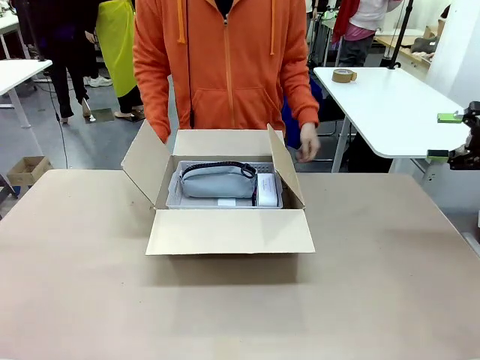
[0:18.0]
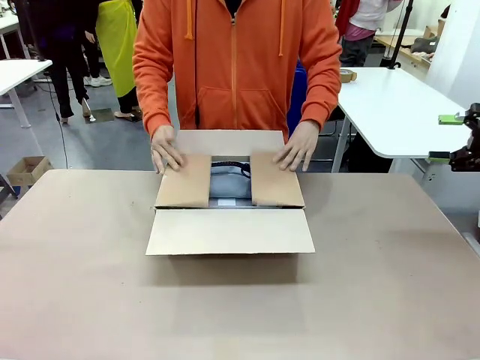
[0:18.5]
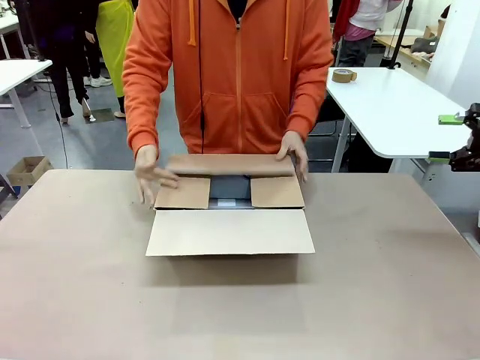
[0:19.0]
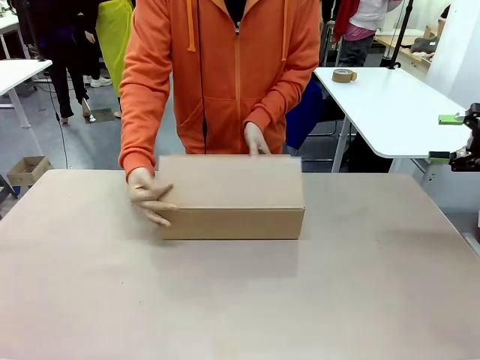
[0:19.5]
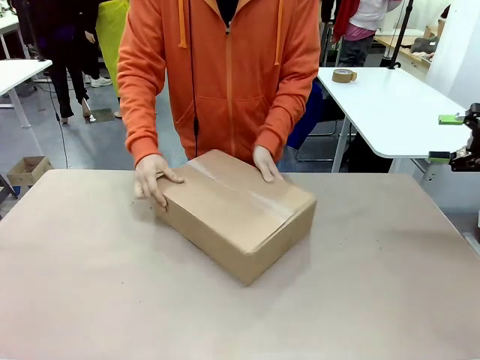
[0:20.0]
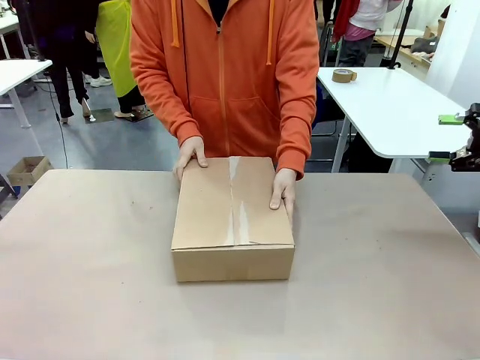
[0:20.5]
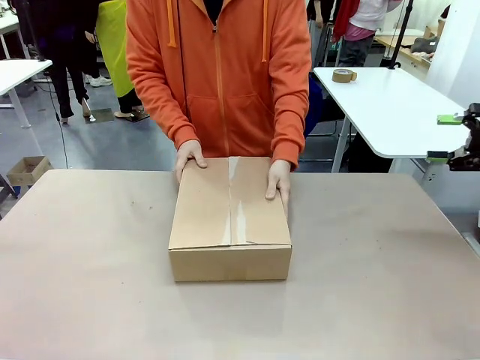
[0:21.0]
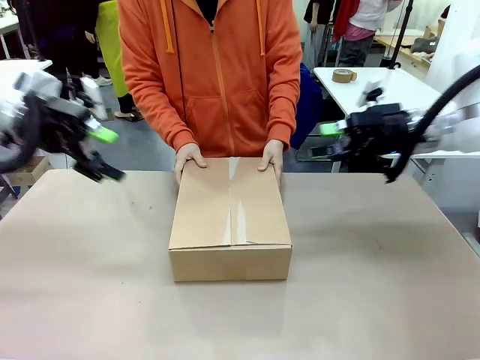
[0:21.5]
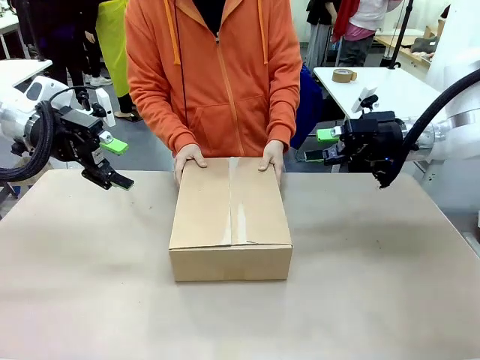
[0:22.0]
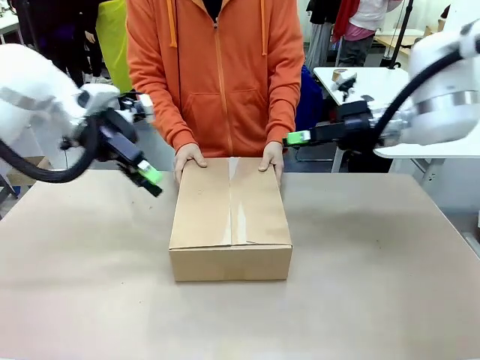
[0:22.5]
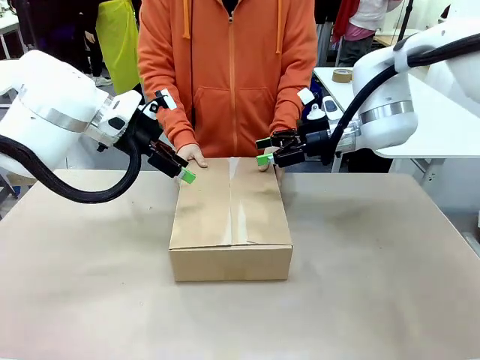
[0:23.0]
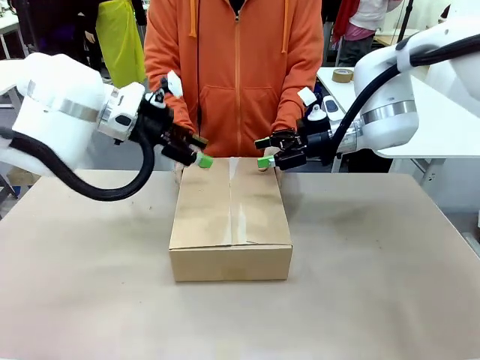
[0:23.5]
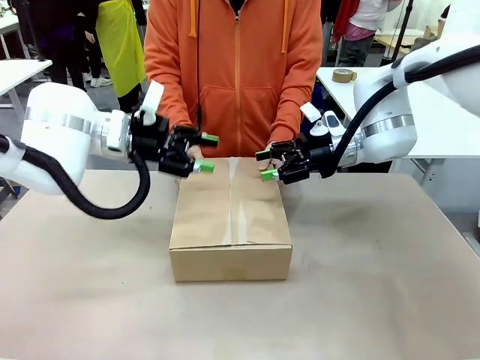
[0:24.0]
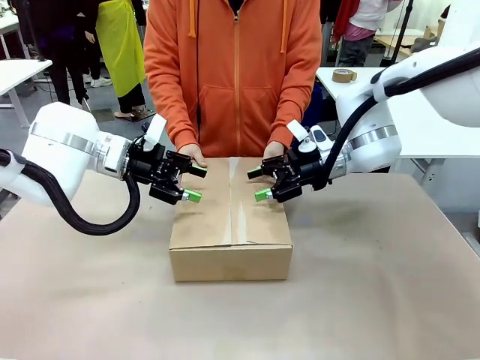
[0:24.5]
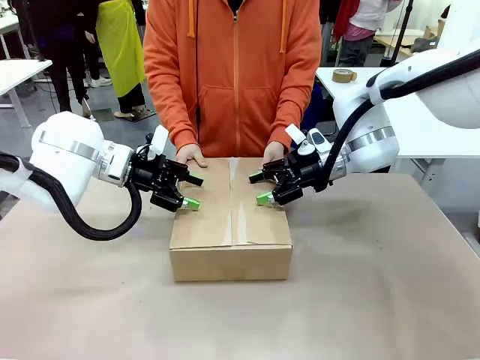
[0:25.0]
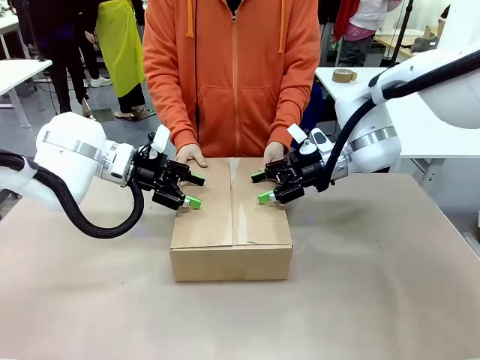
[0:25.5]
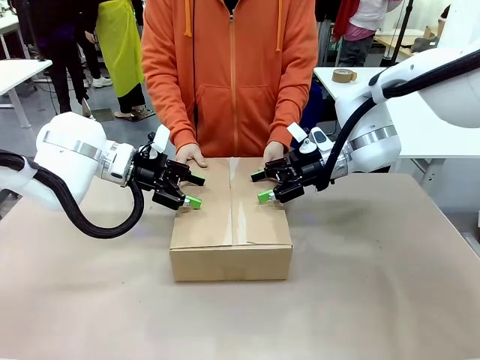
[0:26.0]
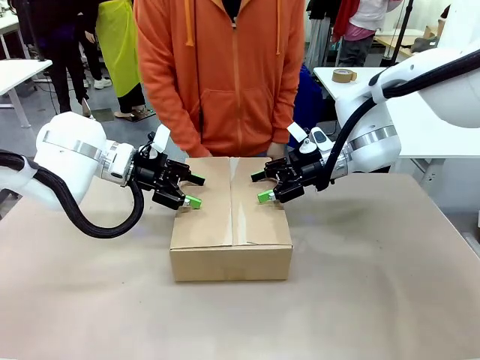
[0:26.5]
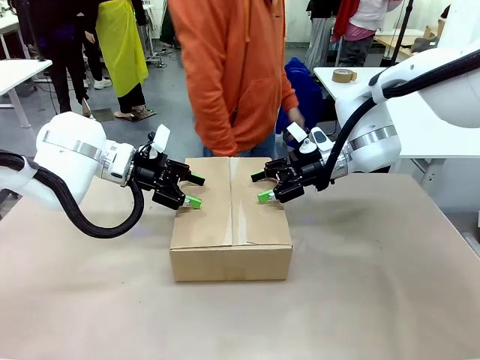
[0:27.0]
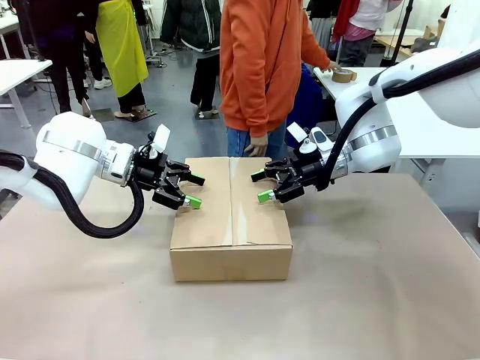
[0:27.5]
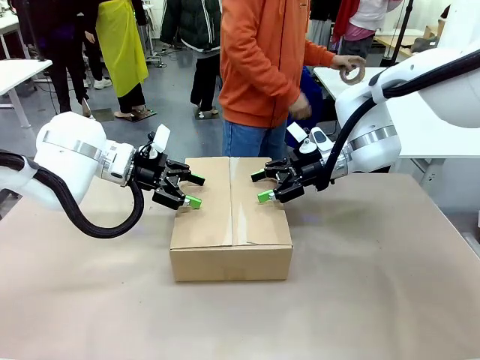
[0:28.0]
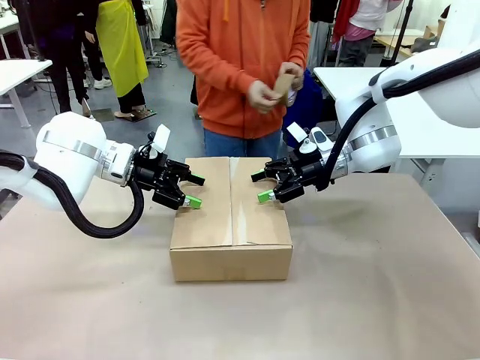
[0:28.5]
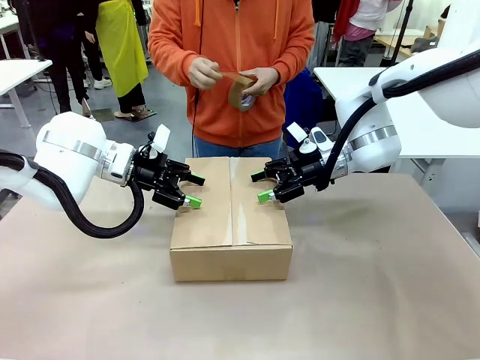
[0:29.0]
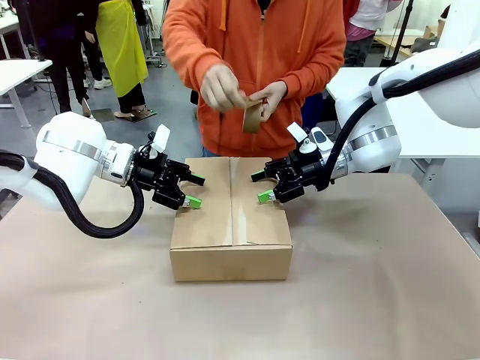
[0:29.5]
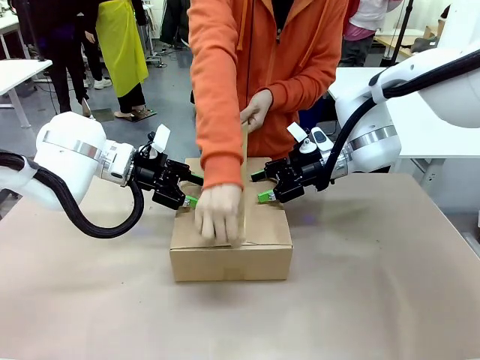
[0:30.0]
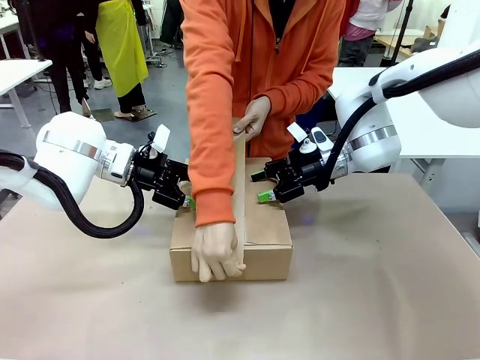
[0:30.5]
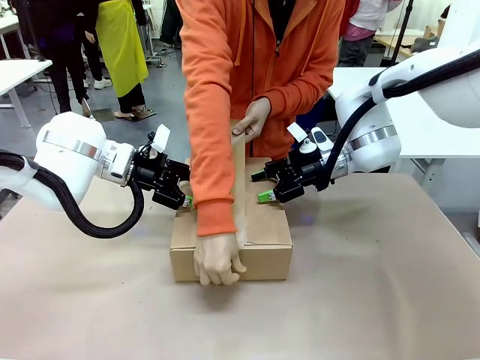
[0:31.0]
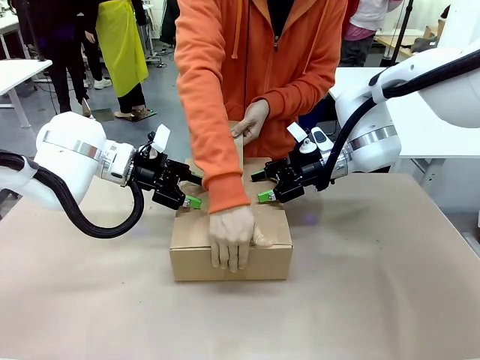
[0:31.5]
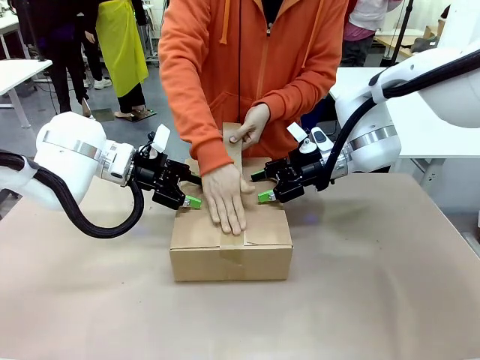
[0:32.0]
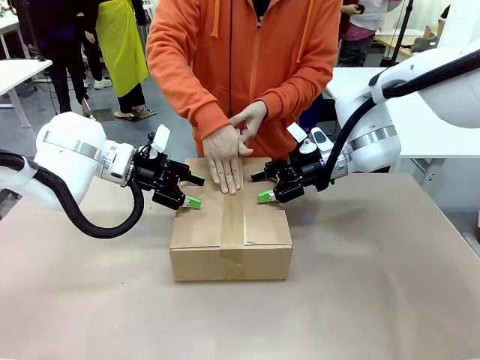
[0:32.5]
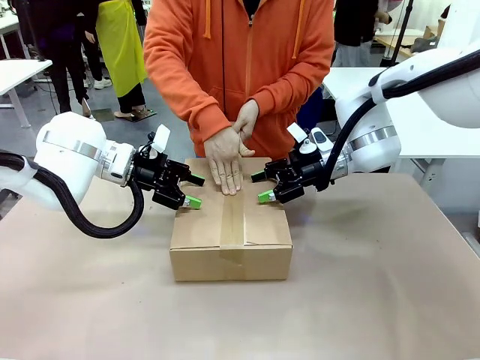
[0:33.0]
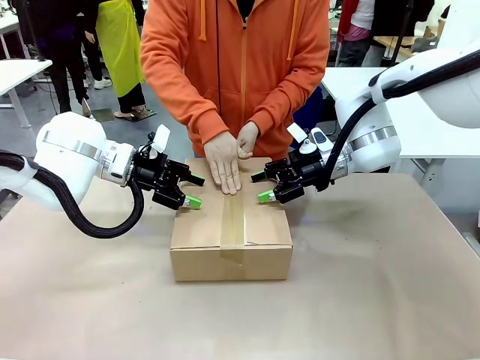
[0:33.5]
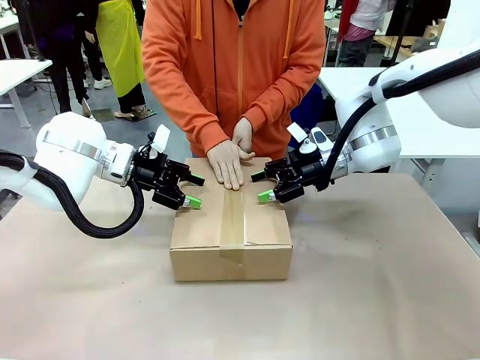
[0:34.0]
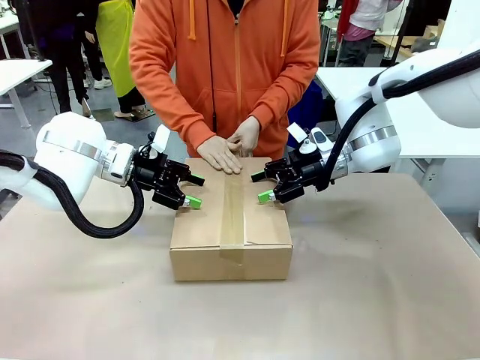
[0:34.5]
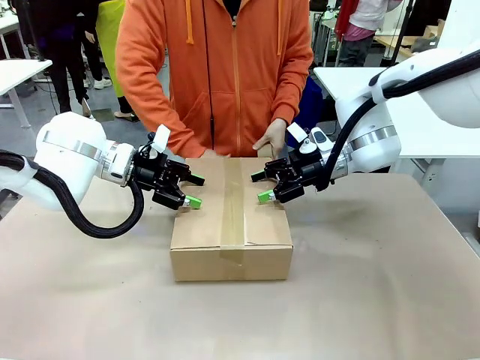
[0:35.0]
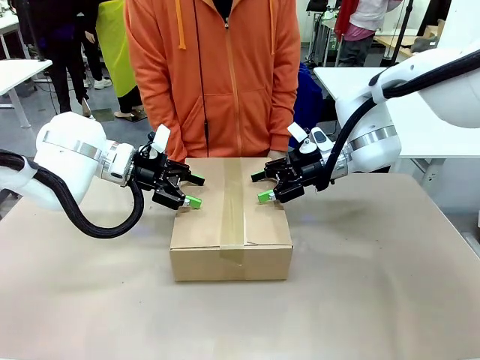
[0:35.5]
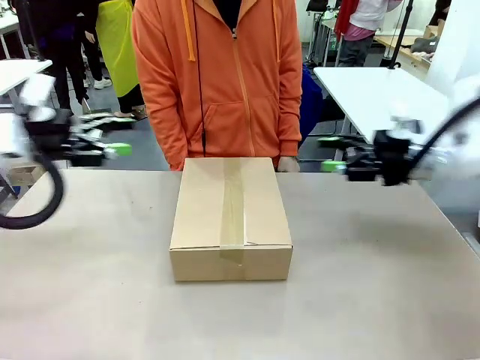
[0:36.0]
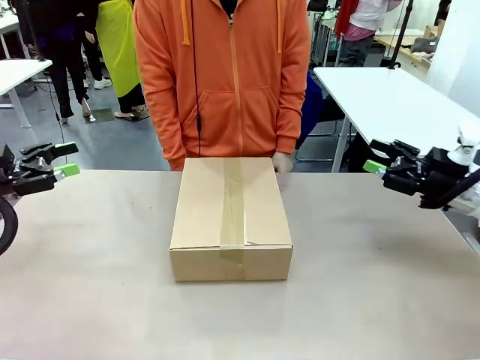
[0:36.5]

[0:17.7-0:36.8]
Task: Pack the gift set into the box.
Robot: Press and hold the closed box until the human finishes sealing it.
Person: The human closes the box and rotates the box by 90 degrees. The human picks up the paper tape from the human table and packs the box.

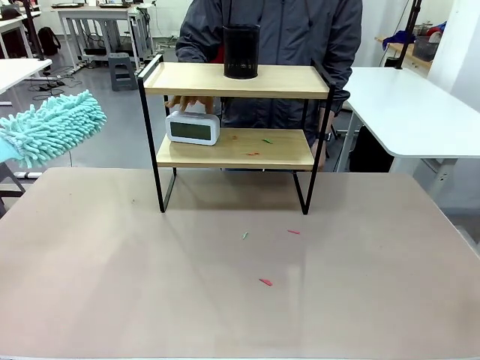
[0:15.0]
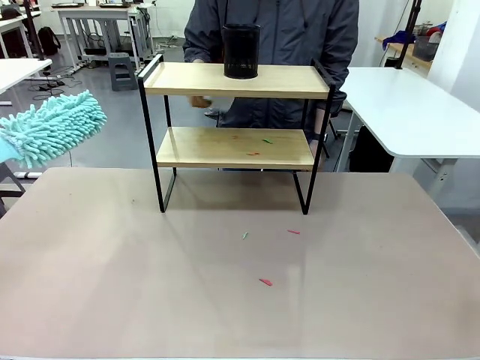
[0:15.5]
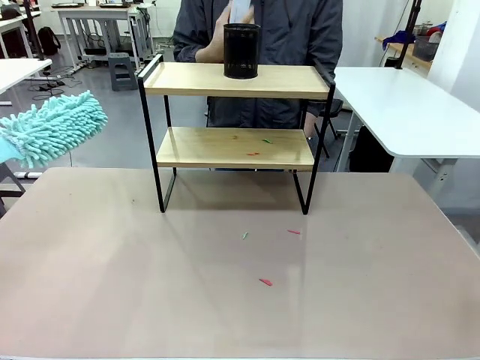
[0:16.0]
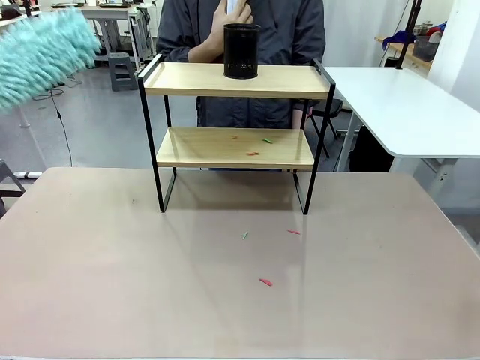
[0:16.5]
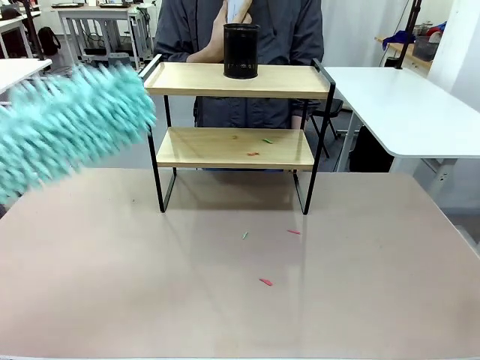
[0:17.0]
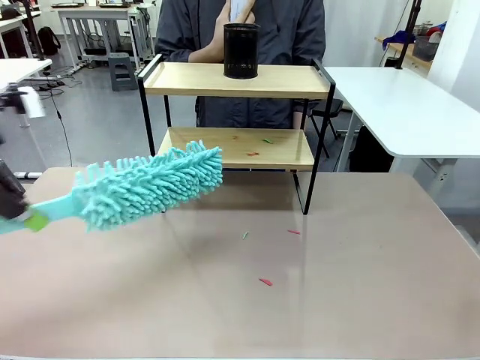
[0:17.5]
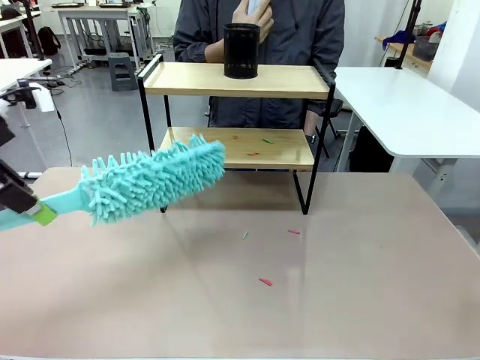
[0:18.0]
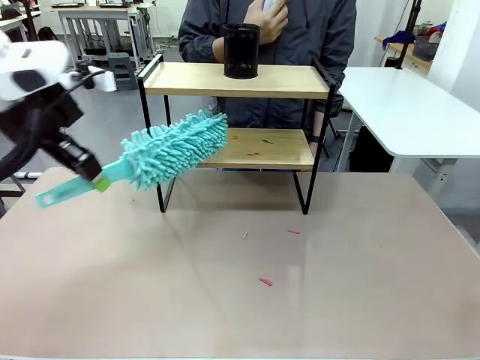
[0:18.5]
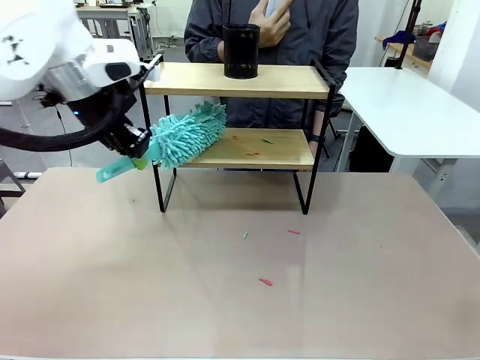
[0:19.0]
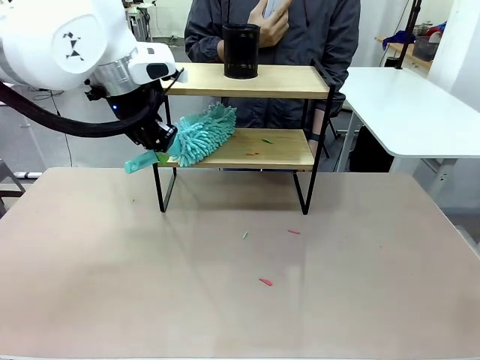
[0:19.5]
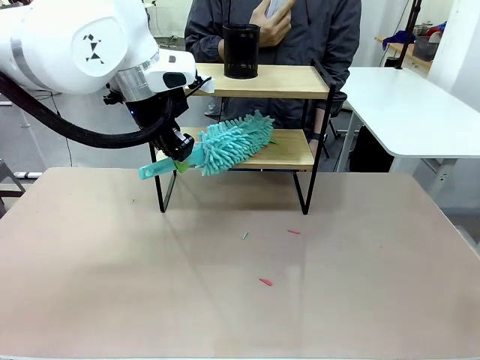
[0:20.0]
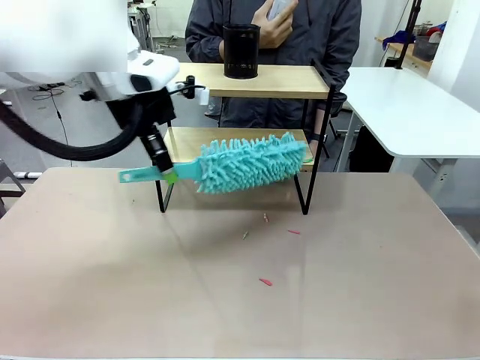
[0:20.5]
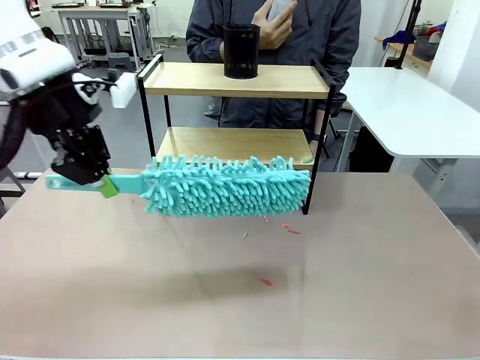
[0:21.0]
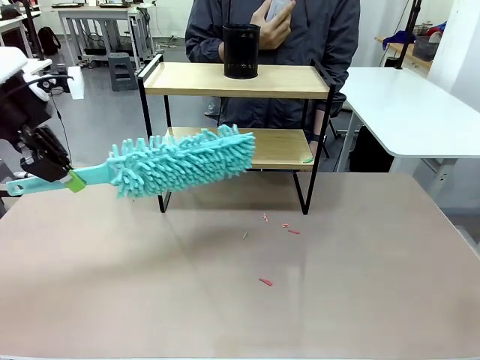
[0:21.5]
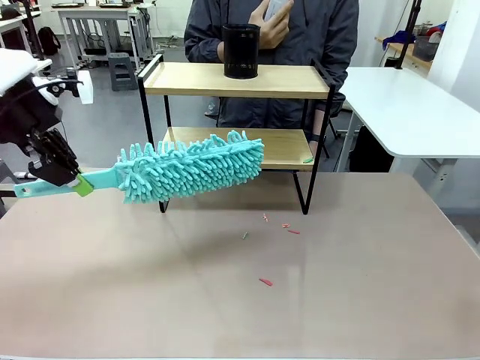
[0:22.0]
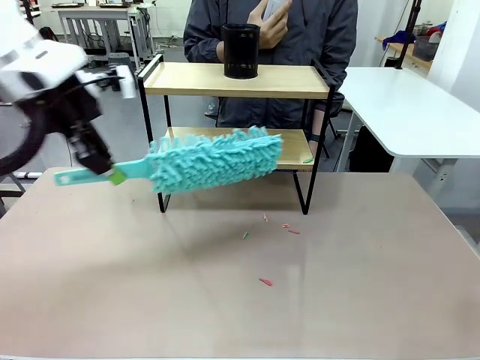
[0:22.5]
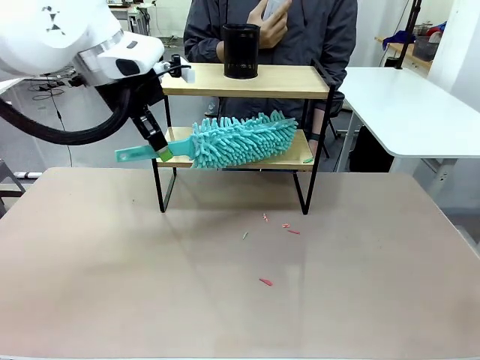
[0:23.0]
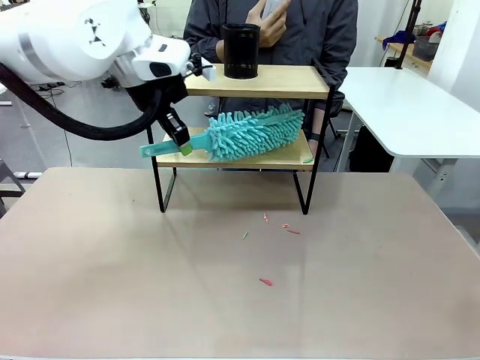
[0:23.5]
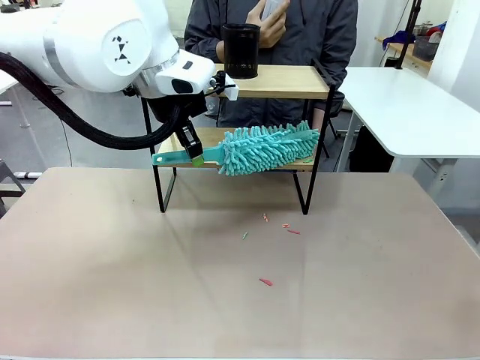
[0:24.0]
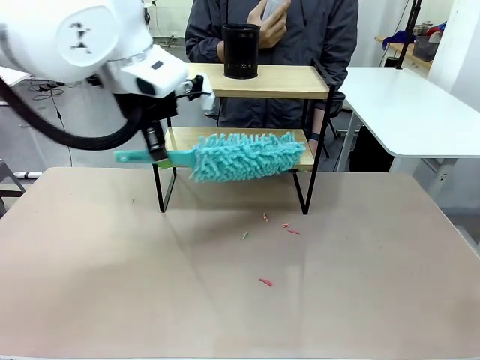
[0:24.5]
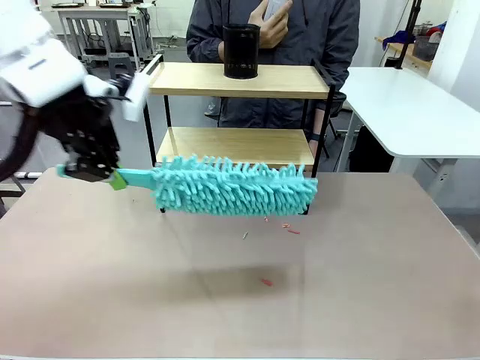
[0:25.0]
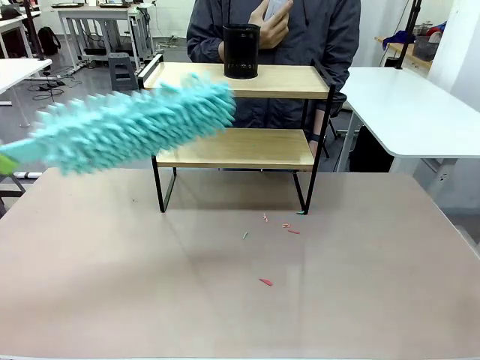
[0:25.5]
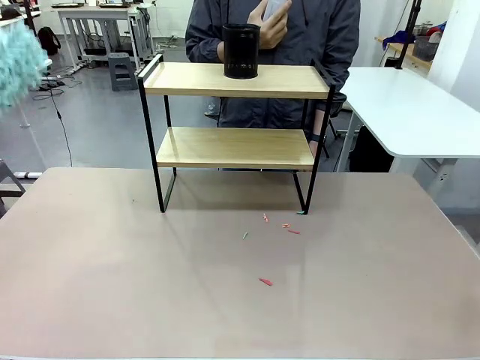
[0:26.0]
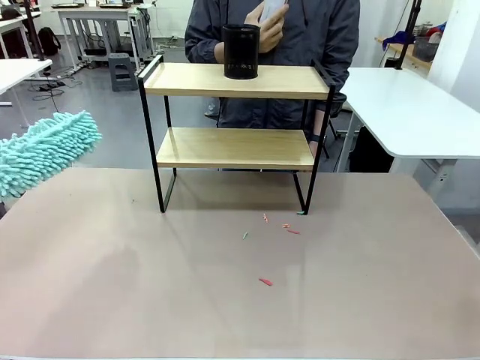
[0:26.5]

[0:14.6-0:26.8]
Task: Clean the shelf.
Robot: Clean the remaining tier of the Shelf with the Duster once objects are removed.
